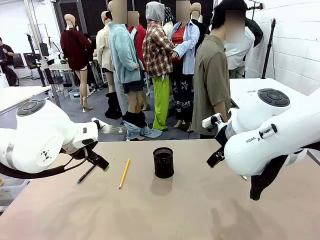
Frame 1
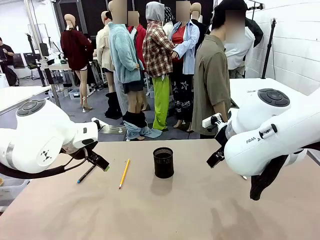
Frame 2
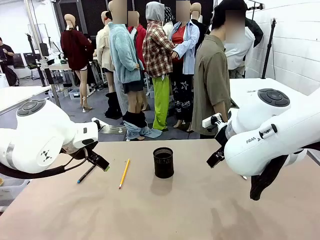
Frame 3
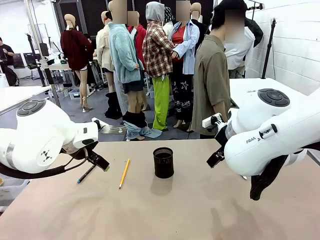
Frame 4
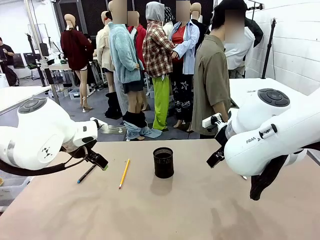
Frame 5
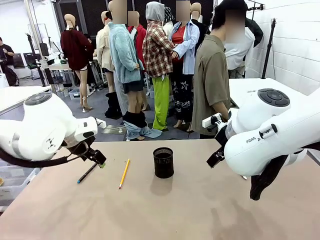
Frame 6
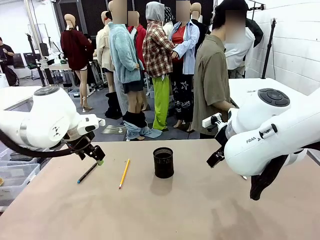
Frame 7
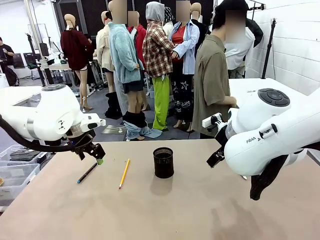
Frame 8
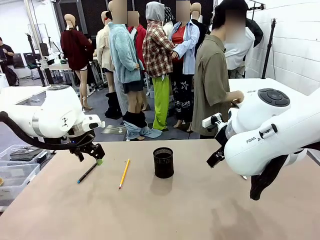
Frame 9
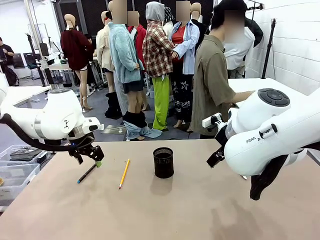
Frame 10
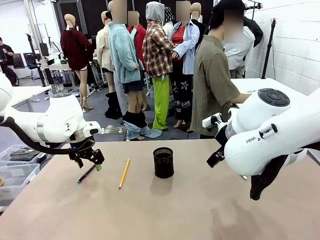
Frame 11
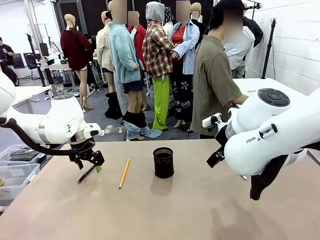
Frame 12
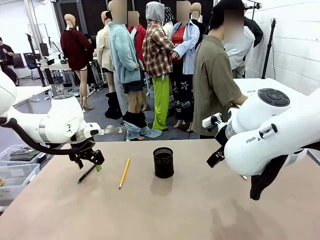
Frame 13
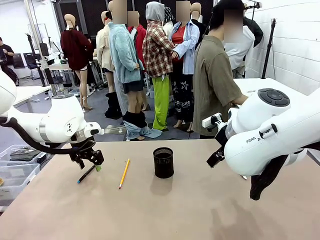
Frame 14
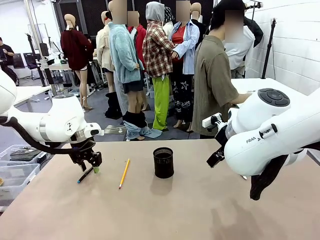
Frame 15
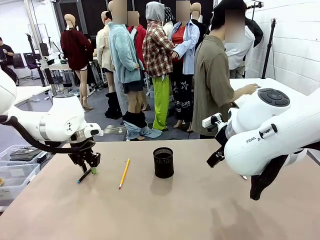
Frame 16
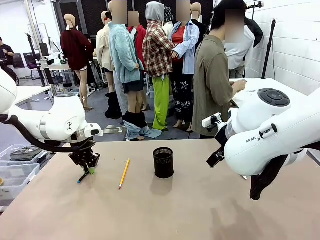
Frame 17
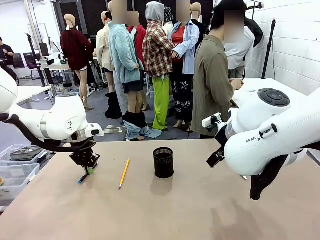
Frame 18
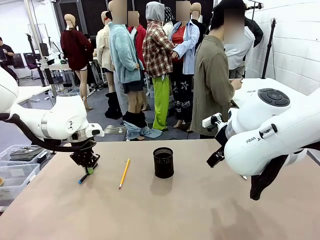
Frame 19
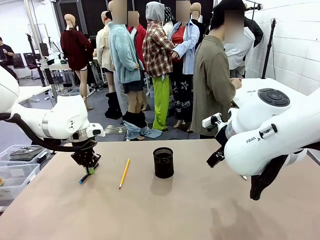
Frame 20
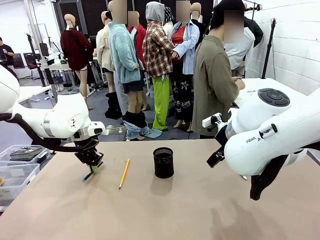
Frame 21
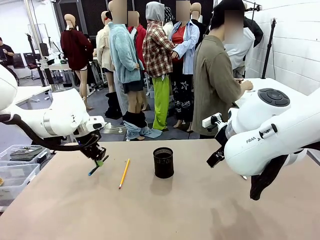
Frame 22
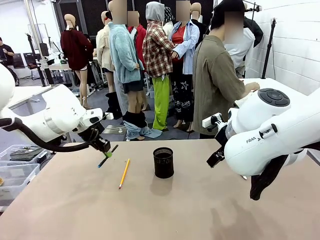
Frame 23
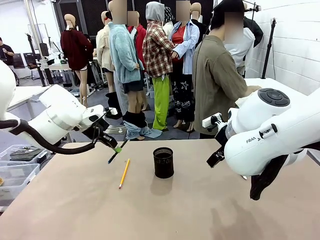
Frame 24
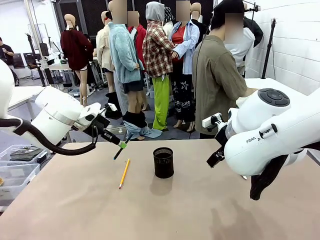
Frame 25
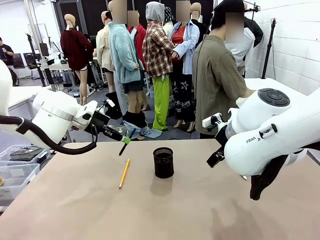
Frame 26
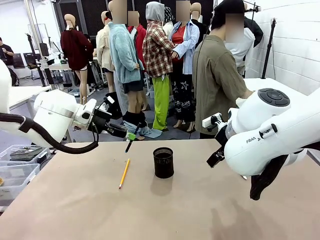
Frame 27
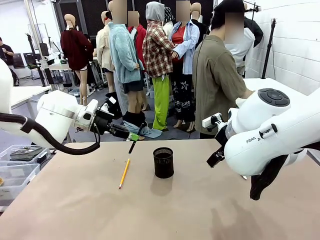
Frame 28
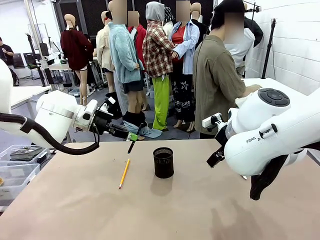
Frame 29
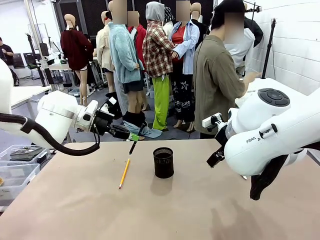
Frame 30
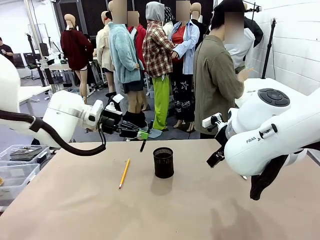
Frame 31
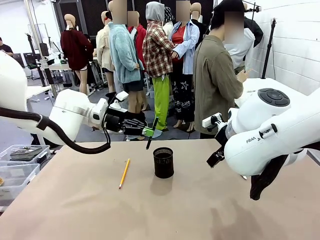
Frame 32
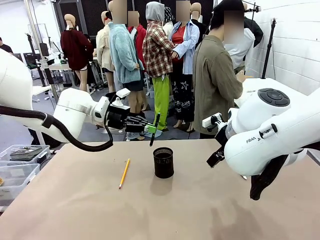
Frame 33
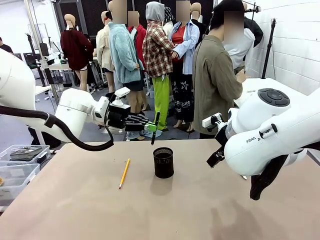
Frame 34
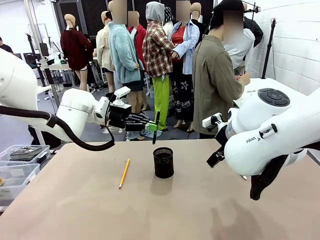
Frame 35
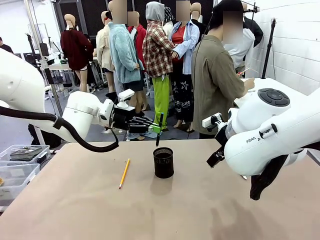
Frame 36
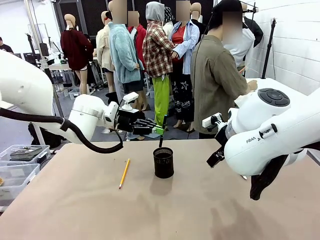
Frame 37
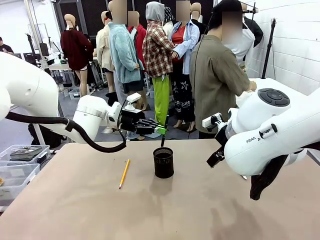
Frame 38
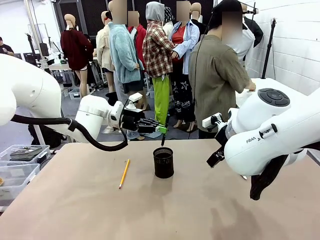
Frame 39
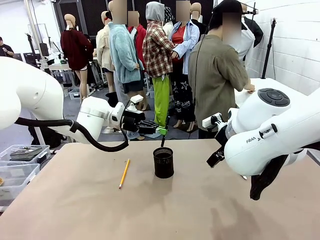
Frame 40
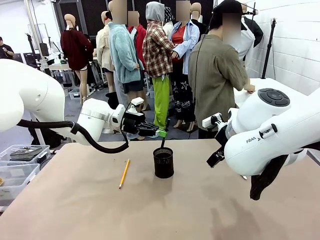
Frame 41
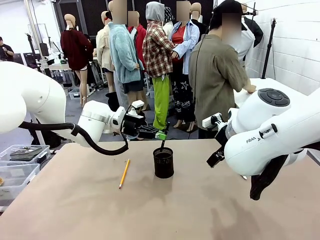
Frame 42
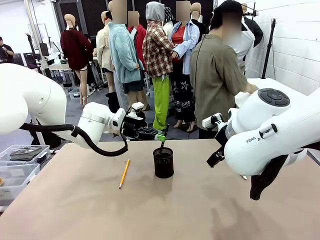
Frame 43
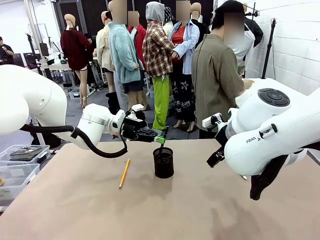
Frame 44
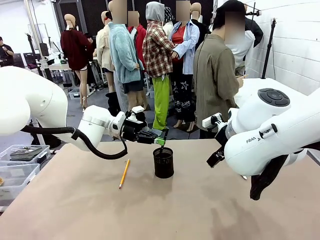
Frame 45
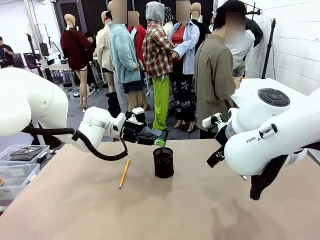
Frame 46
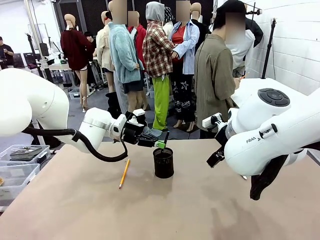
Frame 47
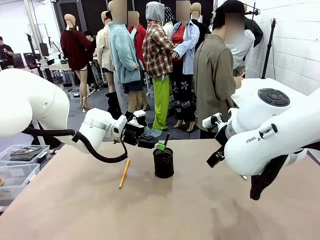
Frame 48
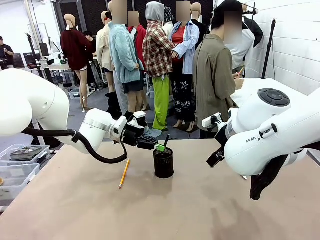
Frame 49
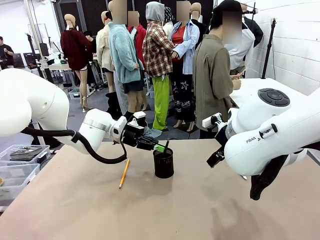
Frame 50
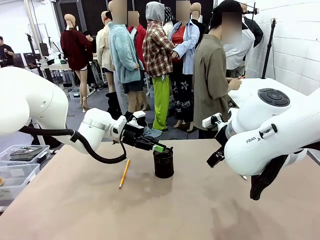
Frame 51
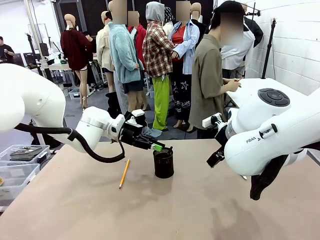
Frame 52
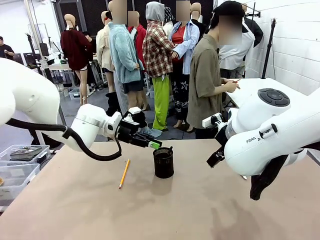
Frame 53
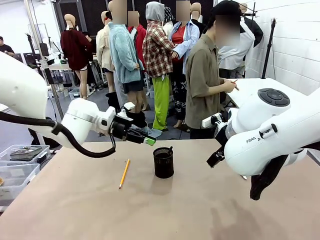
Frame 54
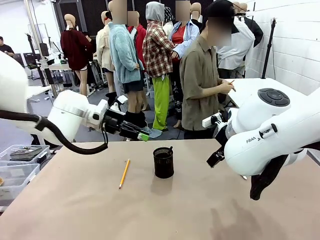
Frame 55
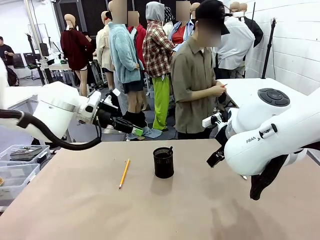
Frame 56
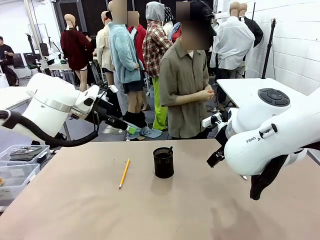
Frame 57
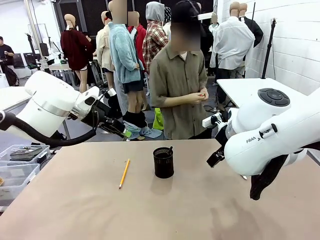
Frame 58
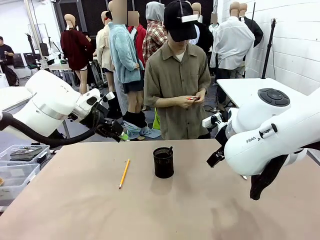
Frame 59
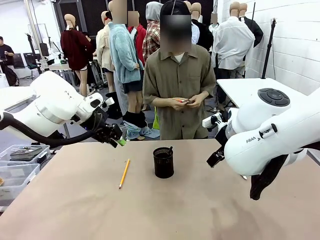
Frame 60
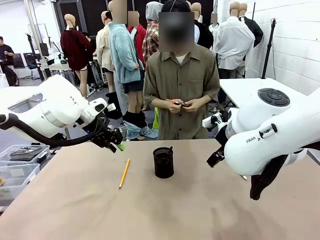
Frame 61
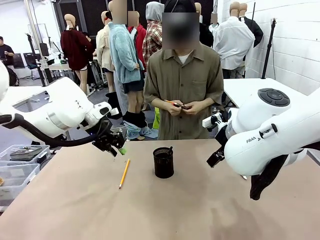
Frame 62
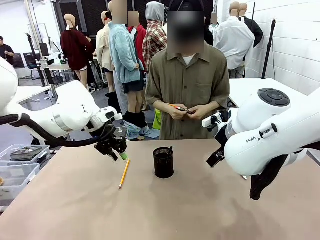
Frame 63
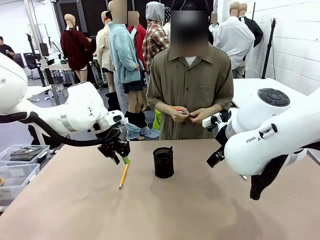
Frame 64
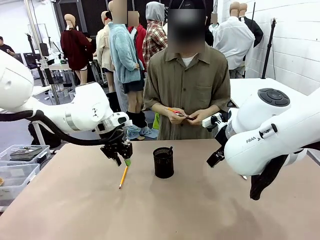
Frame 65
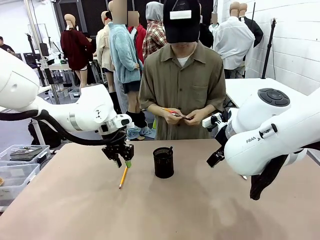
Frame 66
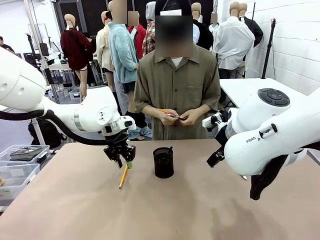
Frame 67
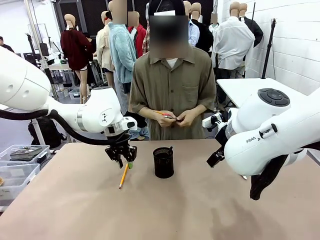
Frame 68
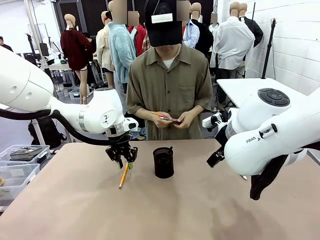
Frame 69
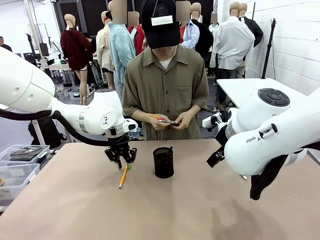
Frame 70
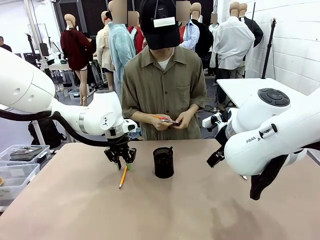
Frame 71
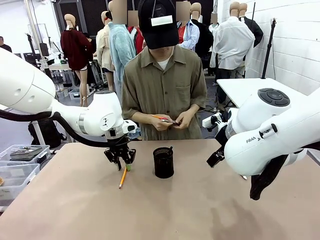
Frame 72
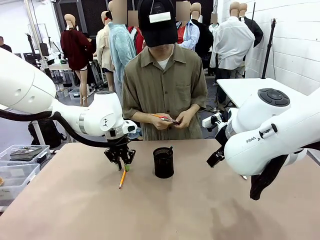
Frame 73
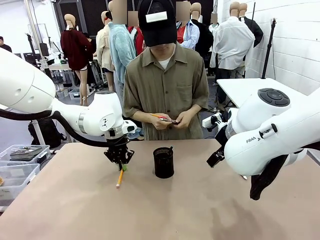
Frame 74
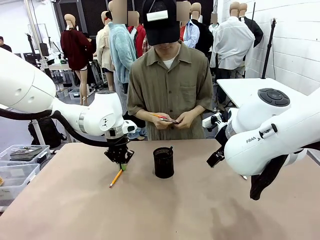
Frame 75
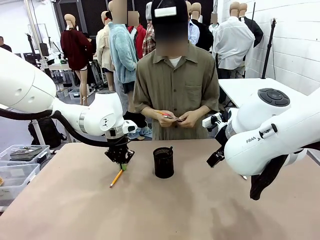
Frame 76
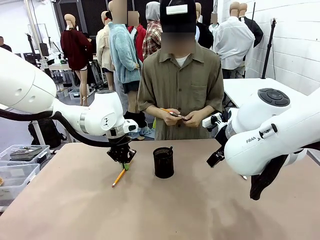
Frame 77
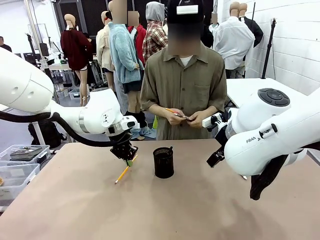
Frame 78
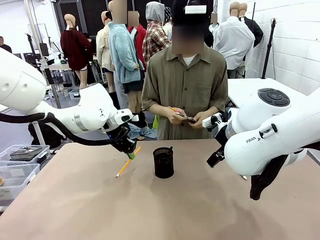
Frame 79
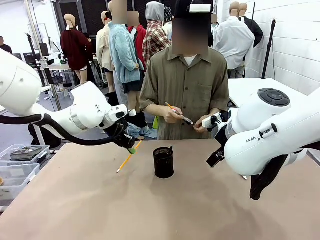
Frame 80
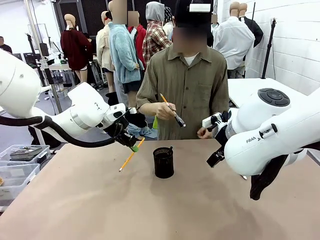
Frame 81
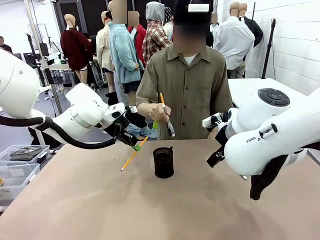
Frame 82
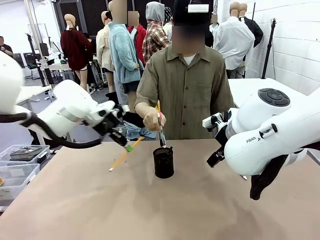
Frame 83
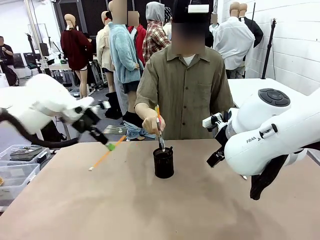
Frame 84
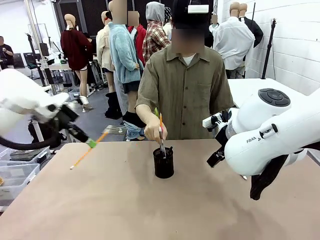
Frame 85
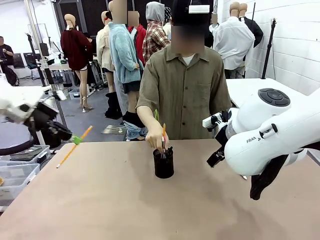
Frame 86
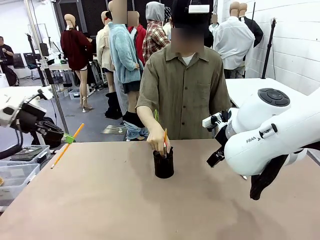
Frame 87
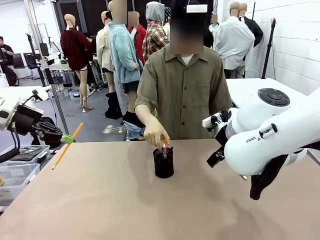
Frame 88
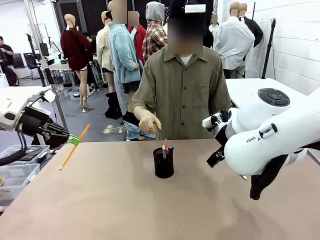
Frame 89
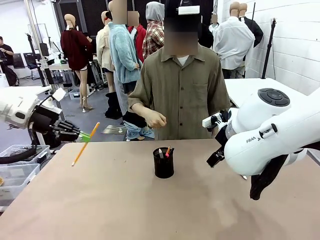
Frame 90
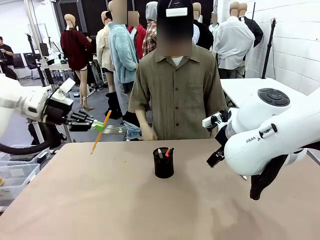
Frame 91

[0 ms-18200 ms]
Task: Place the pens into the pen holder.
Robot: Pick up a writing instrument from the table and place it into the Pen holder.
Person: Pick up all writing instruments from the Human table.
